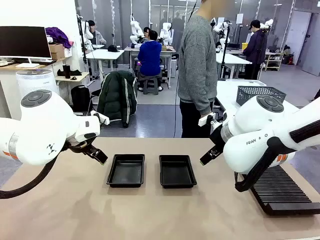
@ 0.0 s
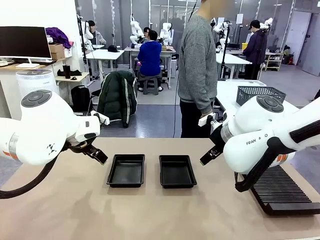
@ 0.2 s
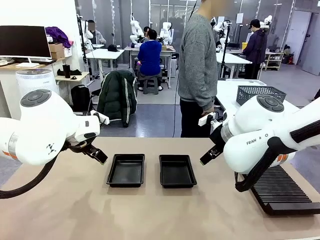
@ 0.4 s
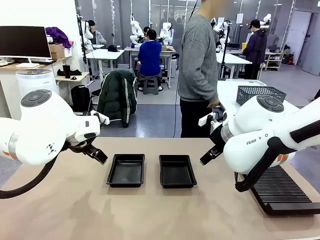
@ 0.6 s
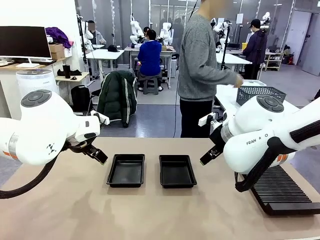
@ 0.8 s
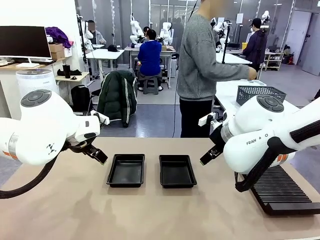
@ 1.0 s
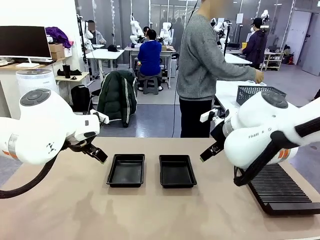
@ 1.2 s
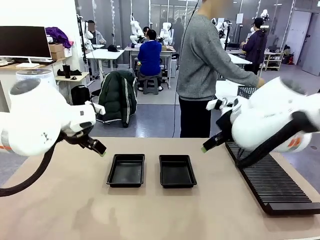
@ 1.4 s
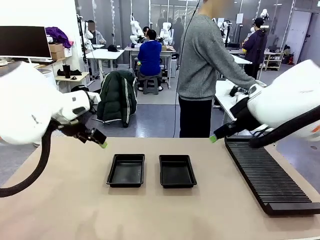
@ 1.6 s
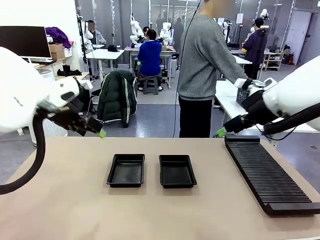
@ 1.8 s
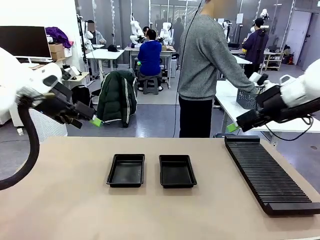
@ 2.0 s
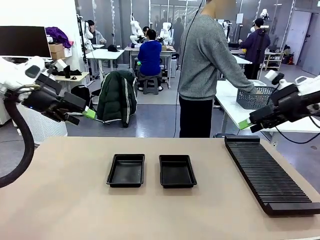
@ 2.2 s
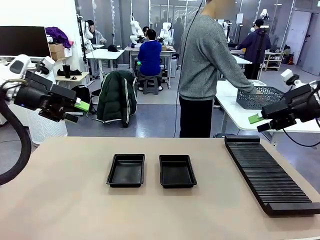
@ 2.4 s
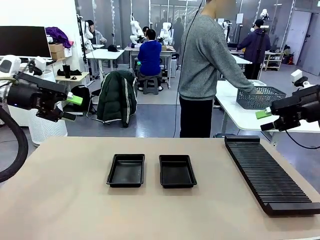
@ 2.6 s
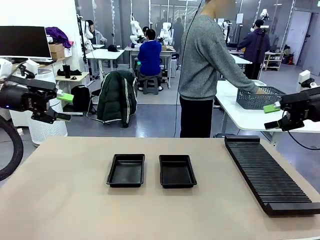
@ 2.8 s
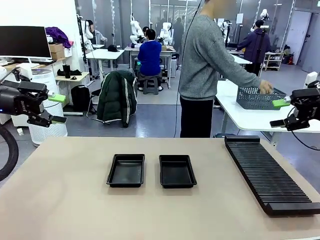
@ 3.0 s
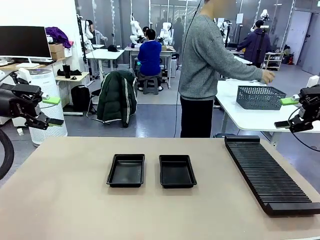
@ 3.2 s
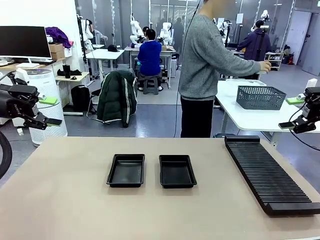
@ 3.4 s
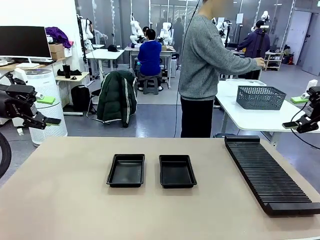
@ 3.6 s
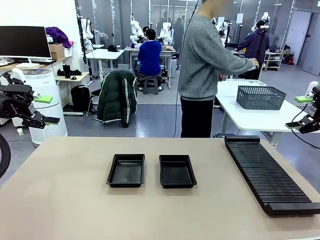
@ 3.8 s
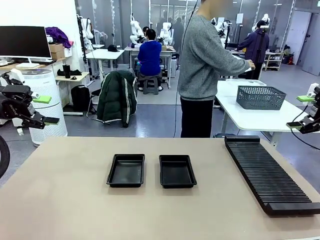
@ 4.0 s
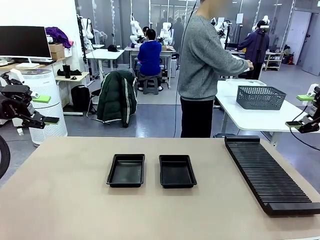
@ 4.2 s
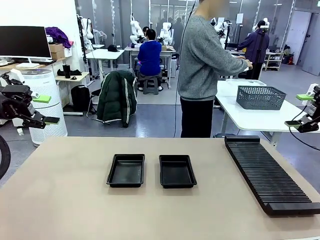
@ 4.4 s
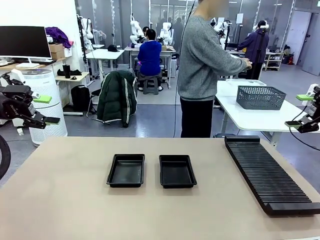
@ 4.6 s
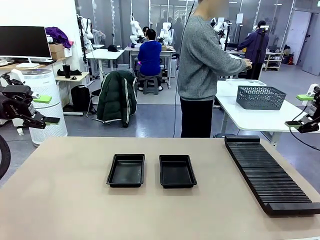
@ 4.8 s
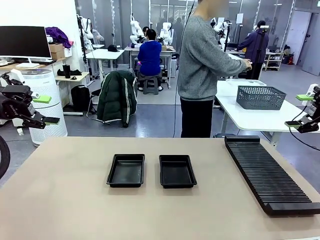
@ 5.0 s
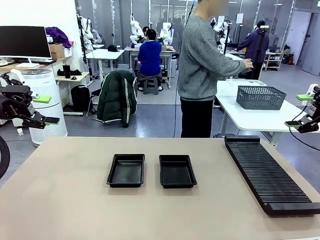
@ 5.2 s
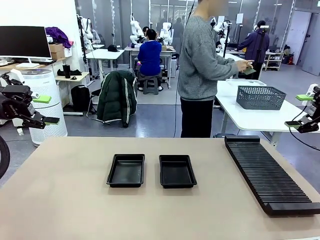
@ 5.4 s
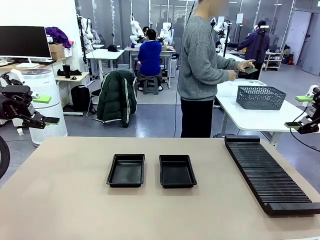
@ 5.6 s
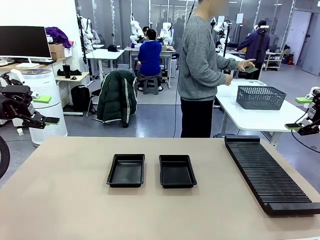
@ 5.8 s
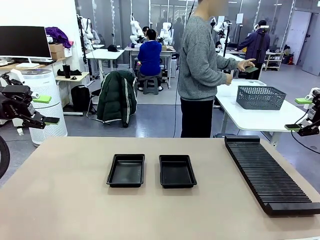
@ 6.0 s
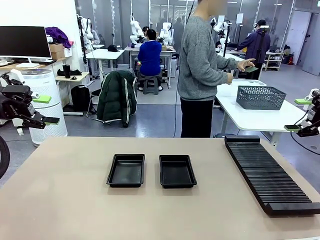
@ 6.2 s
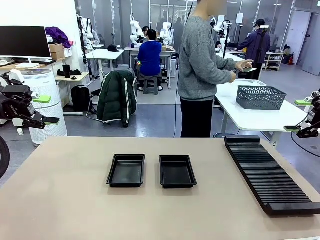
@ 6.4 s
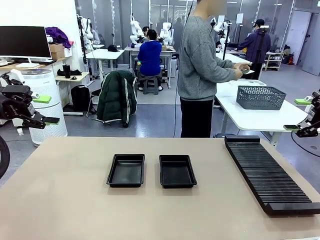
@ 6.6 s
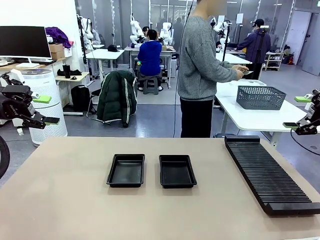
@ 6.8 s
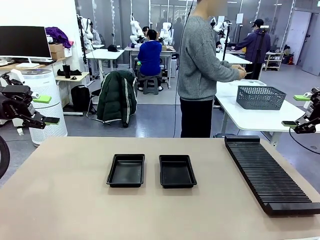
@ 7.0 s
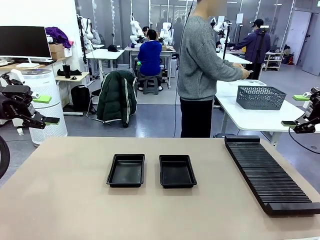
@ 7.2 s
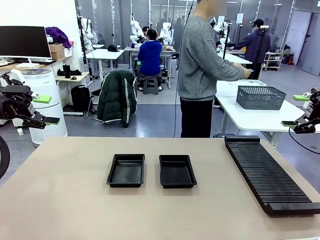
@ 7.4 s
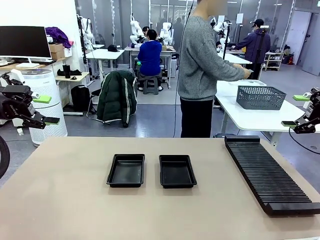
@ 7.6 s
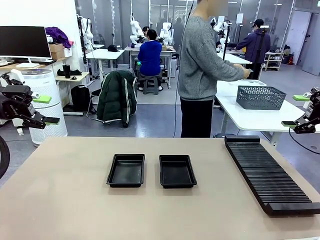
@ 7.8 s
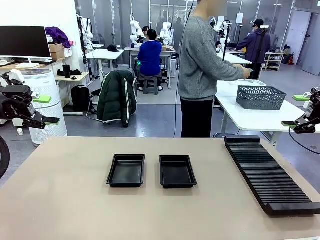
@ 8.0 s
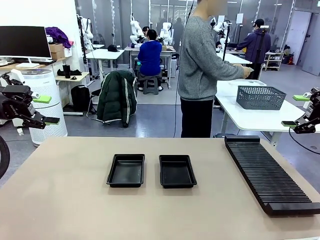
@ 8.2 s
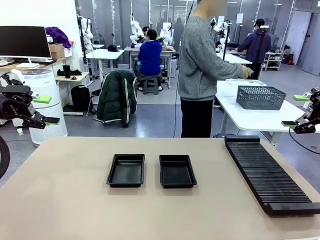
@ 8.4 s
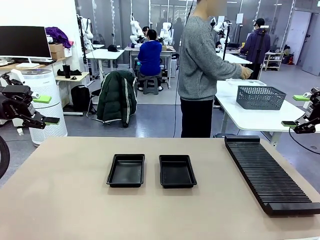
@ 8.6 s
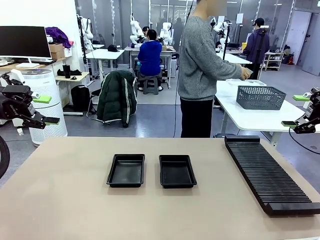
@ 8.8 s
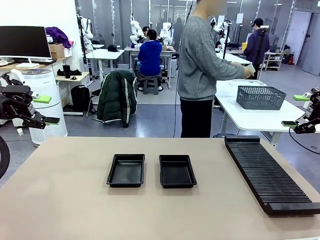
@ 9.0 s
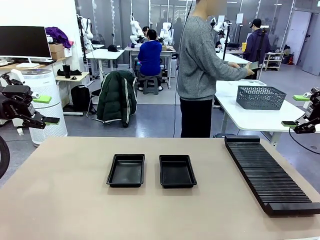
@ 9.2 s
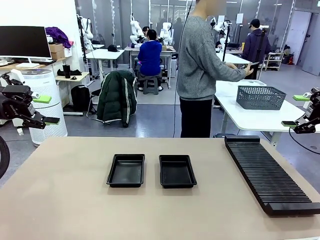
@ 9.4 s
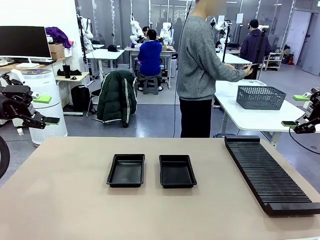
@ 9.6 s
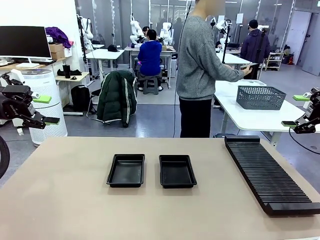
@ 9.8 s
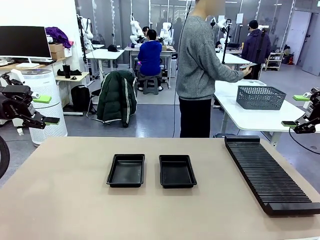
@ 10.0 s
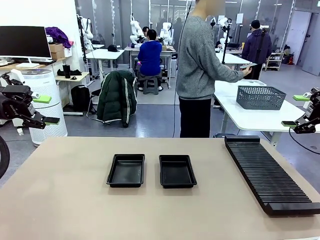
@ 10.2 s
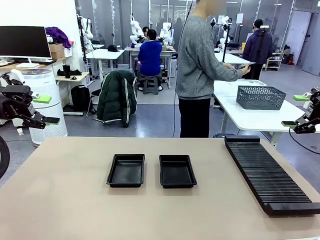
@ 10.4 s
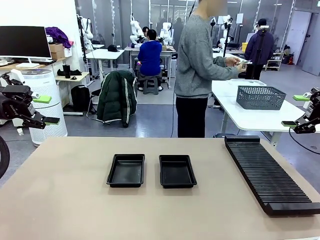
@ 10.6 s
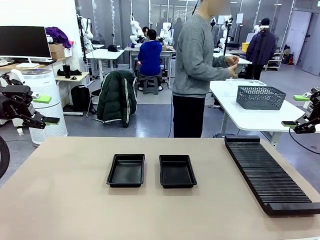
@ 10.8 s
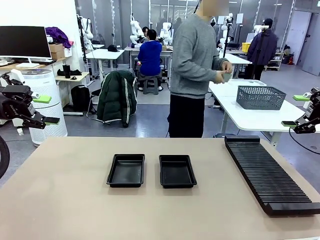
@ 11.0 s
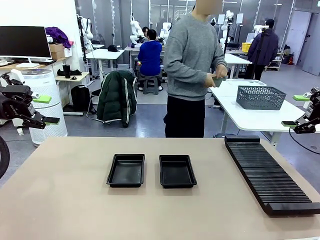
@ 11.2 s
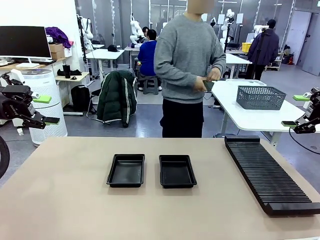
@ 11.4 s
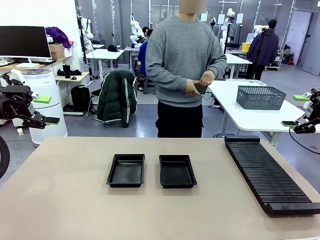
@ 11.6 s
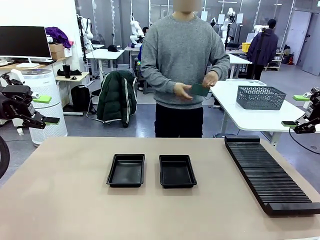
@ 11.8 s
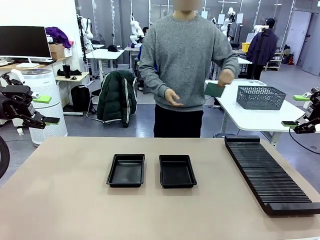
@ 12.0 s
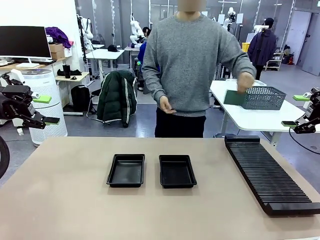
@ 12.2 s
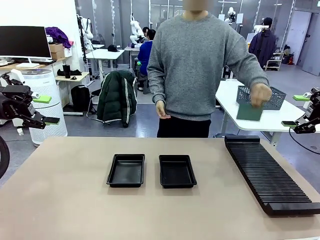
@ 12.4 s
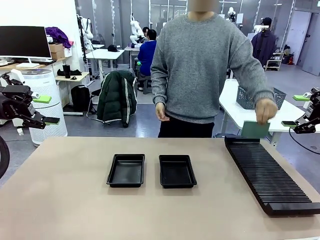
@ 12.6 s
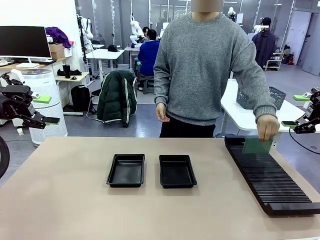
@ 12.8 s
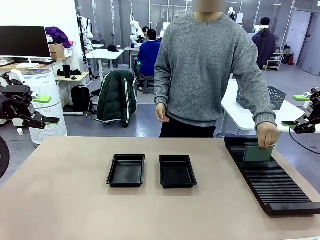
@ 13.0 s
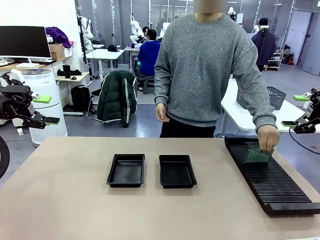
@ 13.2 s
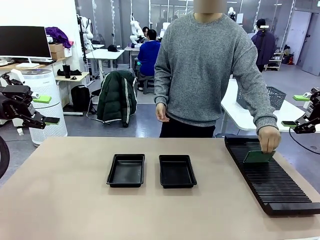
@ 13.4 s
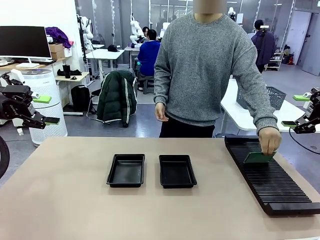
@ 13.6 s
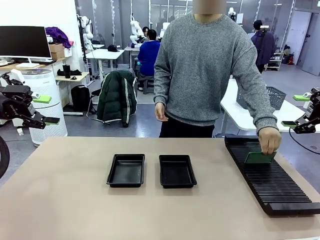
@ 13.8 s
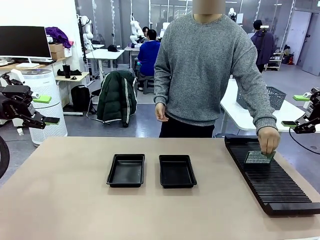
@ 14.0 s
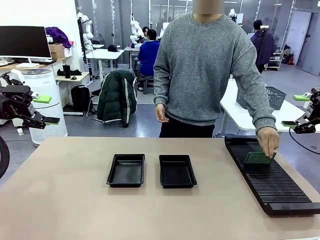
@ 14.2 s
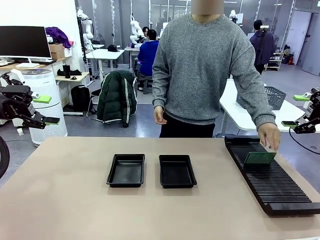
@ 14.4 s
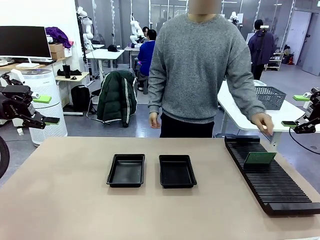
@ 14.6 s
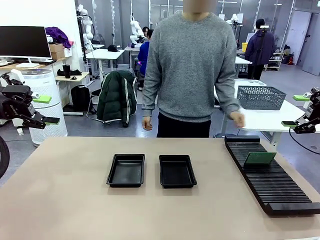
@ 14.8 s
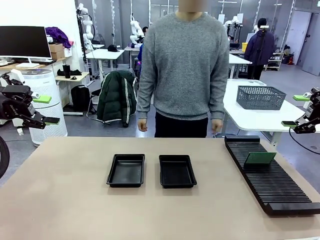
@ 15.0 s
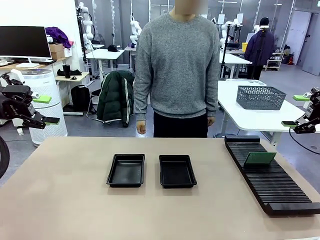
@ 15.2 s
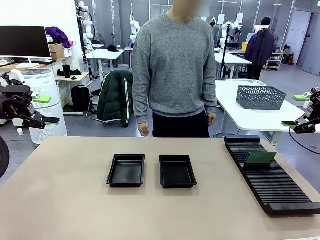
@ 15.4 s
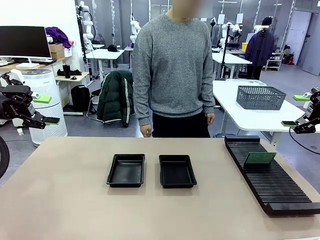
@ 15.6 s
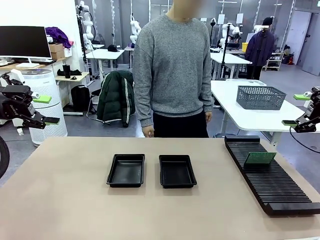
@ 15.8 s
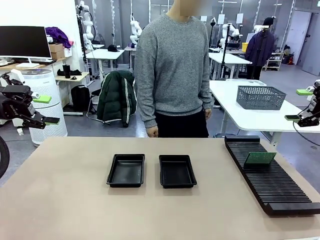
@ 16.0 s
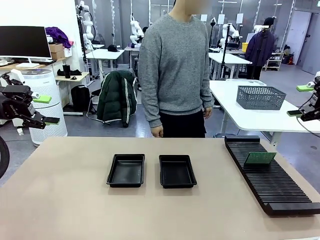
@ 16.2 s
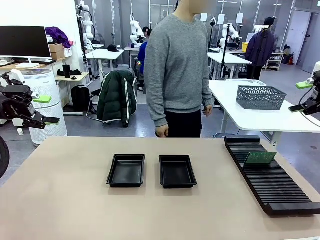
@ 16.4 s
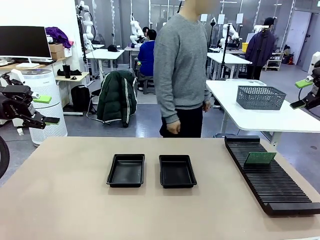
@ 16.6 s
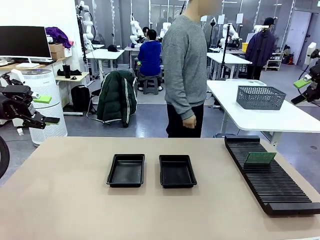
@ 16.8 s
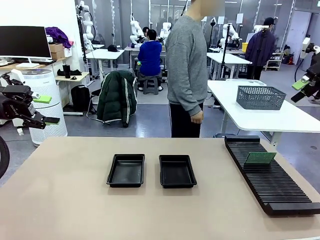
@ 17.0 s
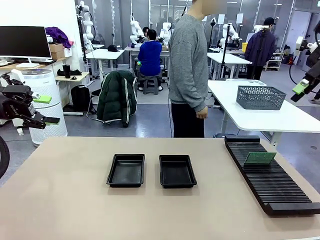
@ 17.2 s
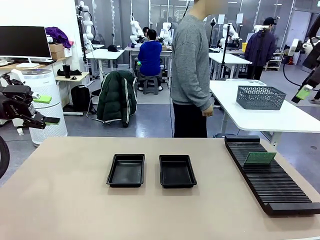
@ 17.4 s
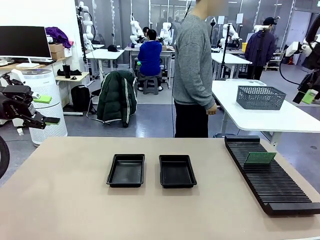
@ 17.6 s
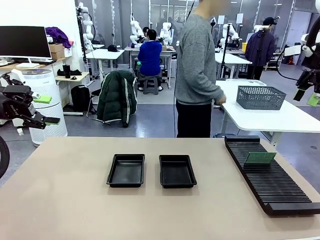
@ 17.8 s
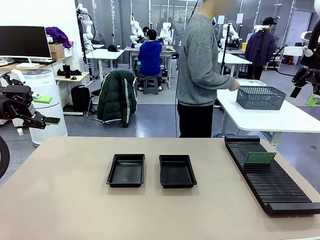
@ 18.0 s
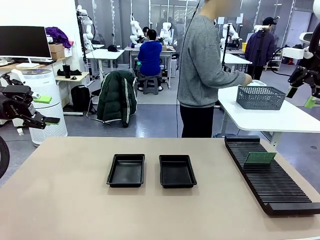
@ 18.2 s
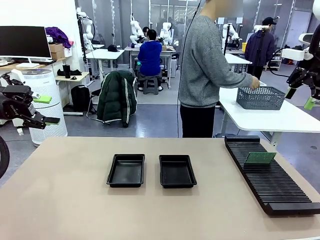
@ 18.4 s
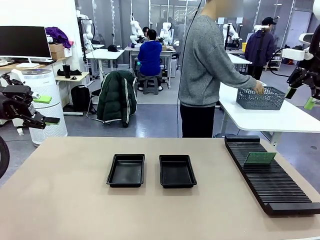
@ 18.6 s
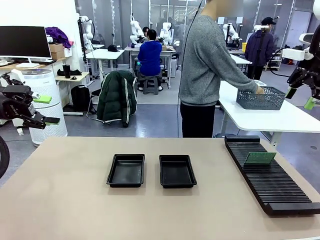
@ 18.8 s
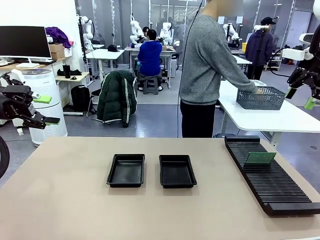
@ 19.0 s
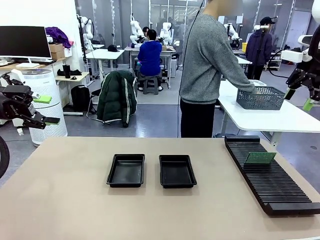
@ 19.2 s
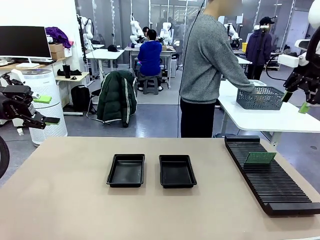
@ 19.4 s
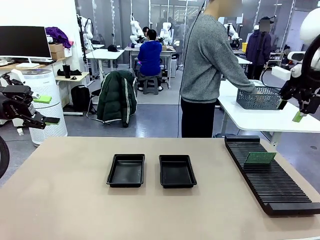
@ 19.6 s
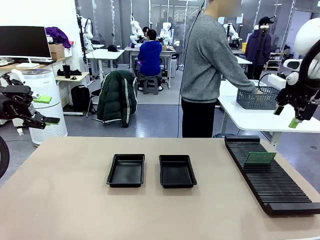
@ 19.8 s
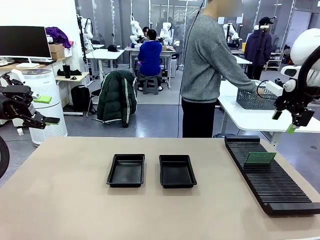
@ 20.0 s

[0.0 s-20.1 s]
Task: Inspect and transfer BCBs to ESD trays.
Robot: Pick up the Blank PCB from the PCB Rack and place it in the left ESD tray.
